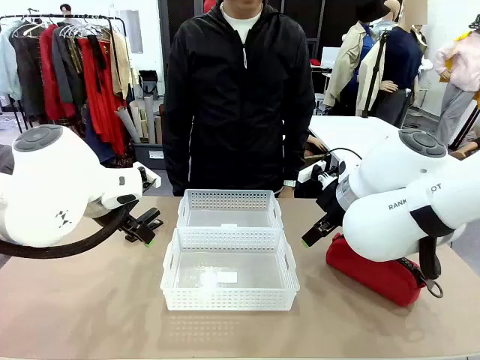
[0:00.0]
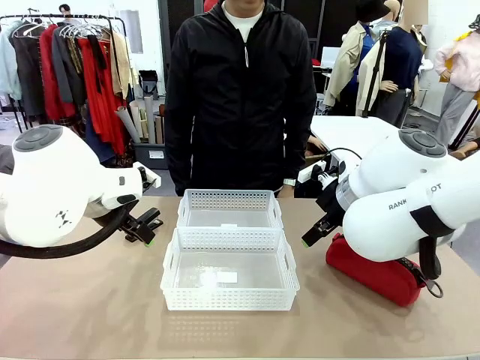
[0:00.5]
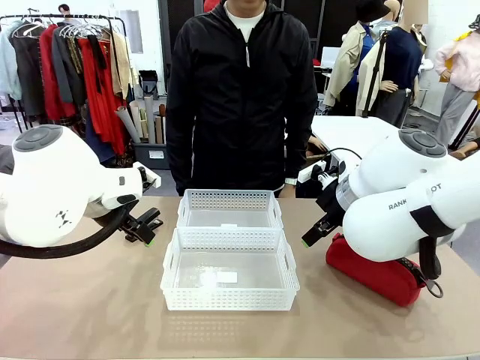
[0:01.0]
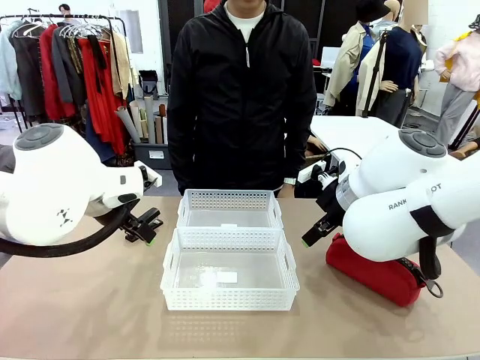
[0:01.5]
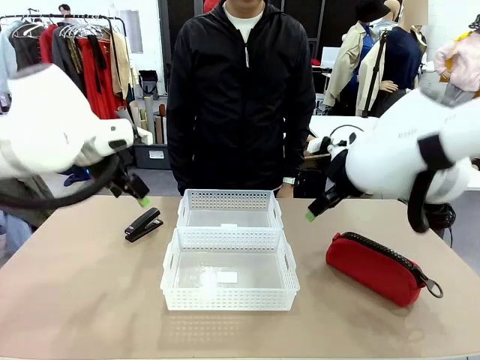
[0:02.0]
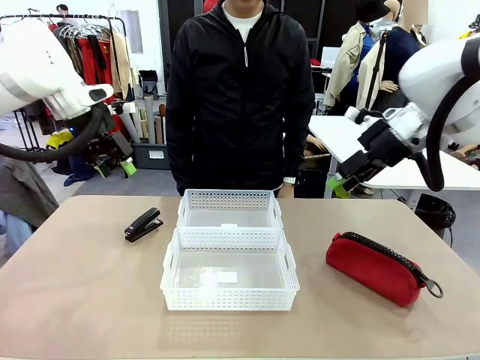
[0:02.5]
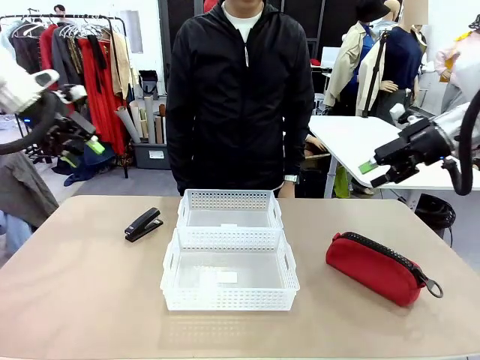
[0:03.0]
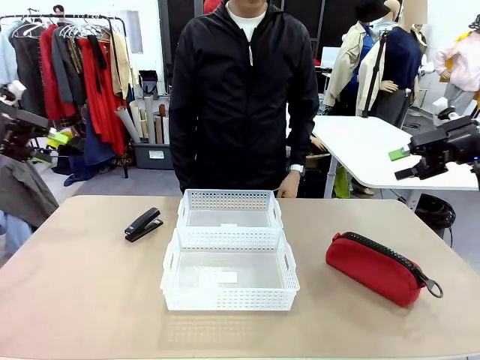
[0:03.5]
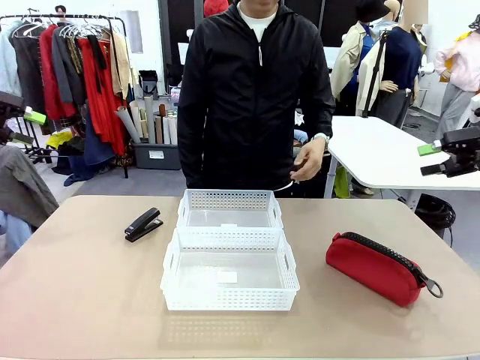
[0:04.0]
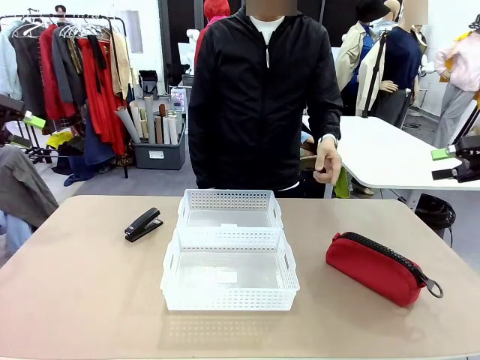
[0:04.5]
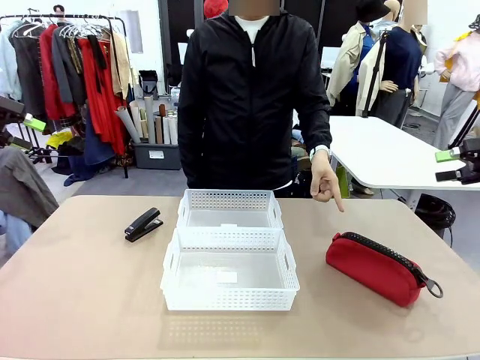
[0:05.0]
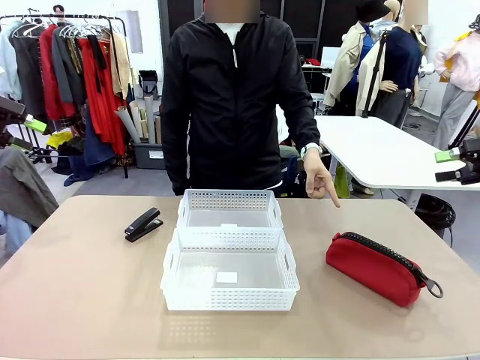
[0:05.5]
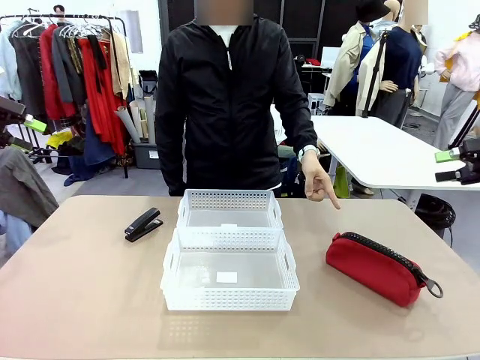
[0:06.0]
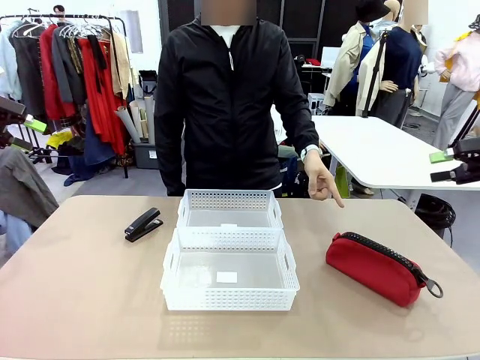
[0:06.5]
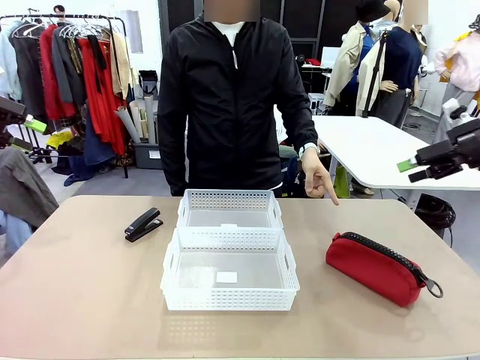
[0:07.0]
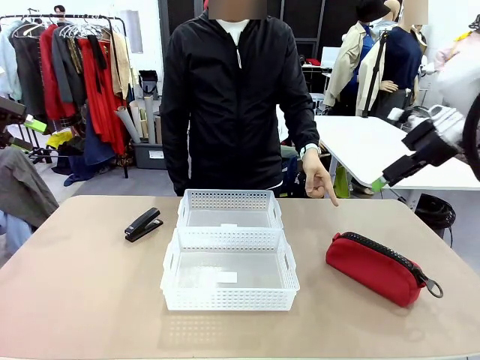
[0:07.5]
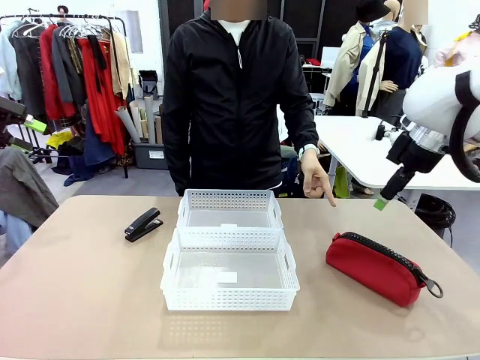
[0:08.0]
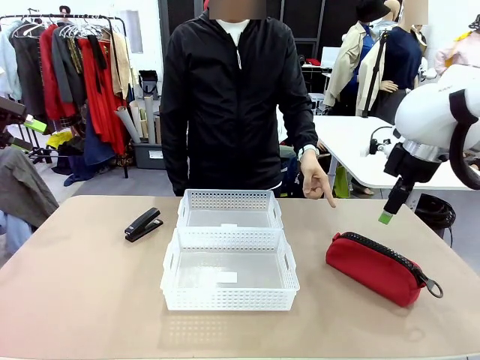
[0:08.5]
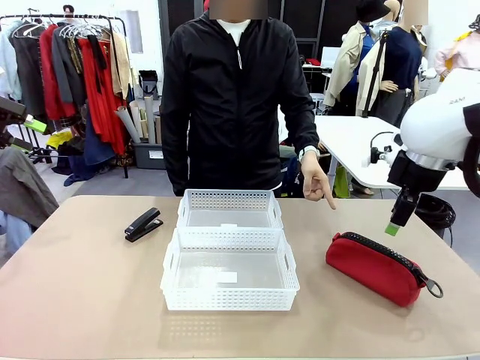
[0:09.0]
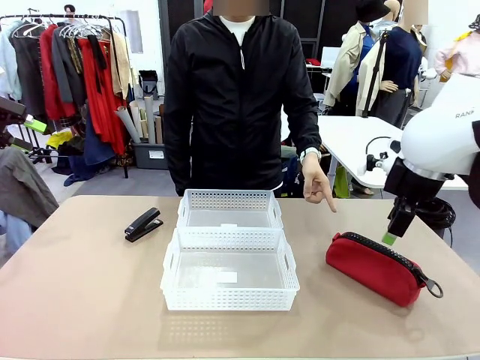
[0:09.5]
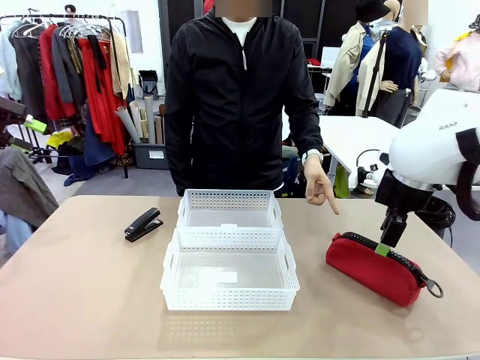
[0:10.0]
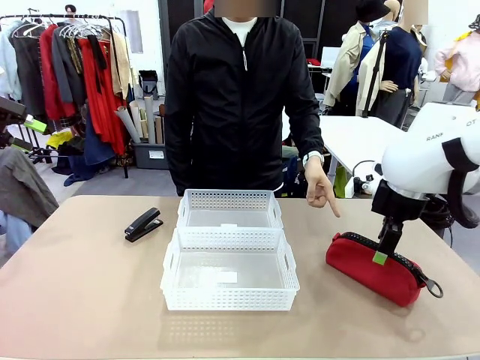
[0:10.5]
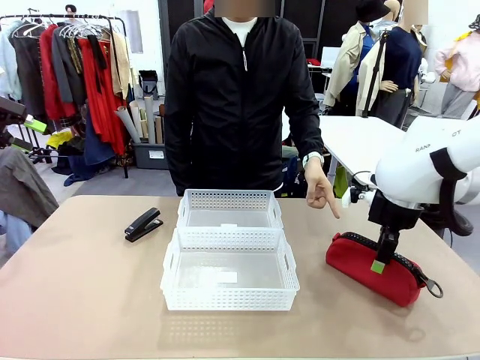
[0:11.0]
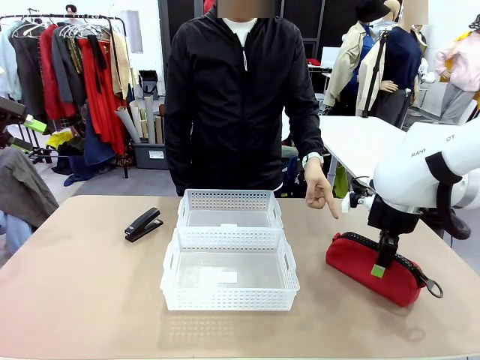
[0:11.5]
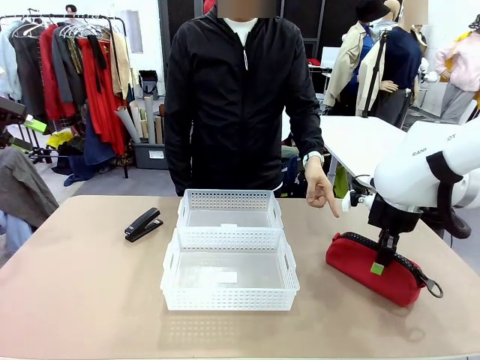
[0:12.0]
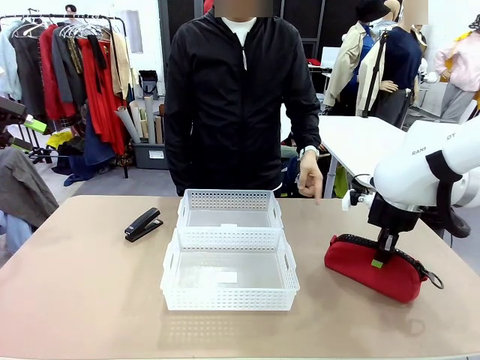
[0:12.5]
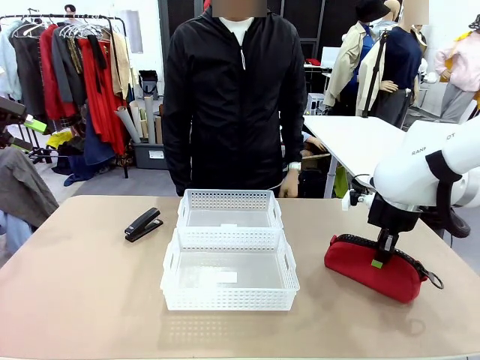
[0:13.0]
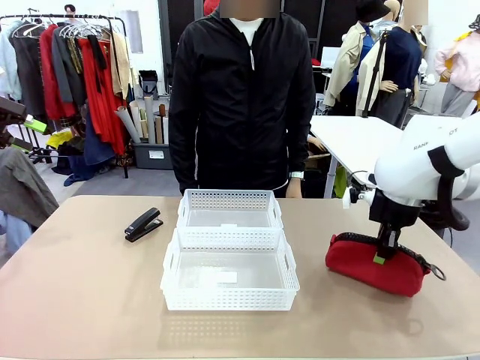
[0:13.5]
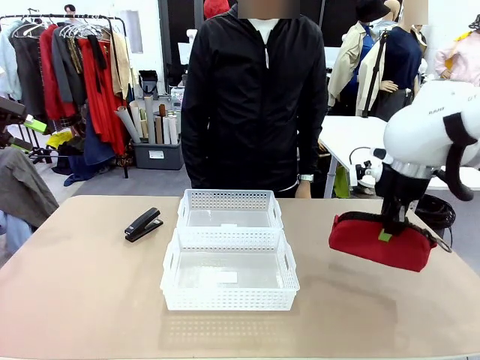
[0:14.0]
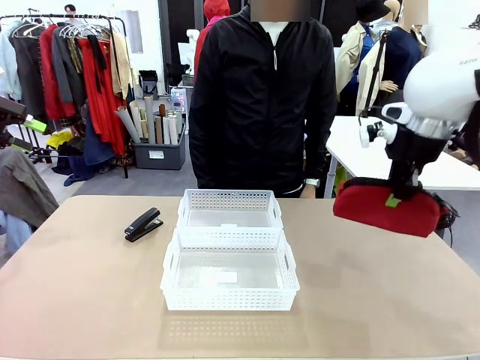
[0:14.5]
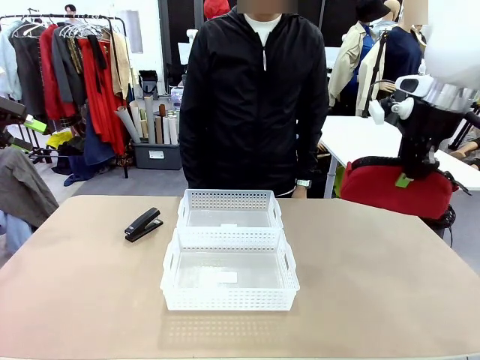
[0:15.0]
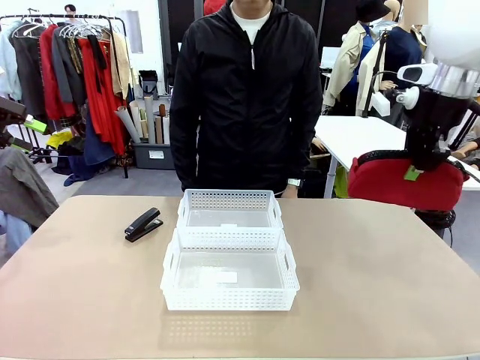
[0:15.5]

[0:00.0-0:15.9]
Task: Distribute items into two baskets.
Robot: Pick up the Pencil pouch that the person points to.
Person: Points to the pencil case. Points between the two organizing baskets and instructs the robot to move the pencil case.

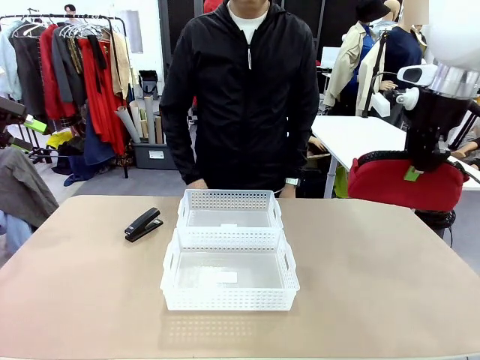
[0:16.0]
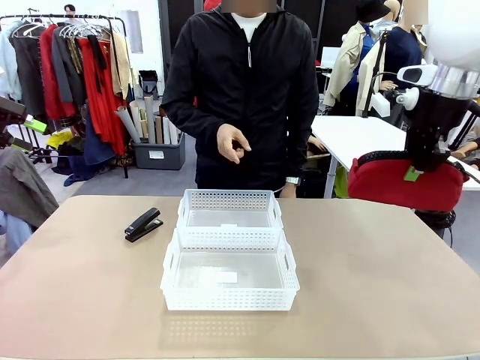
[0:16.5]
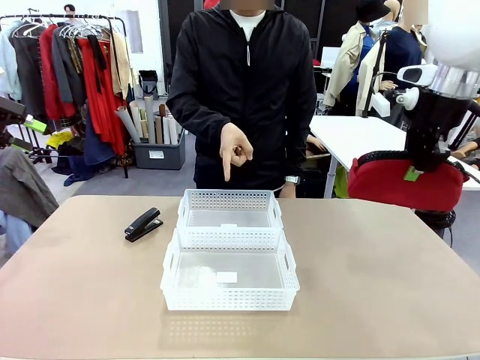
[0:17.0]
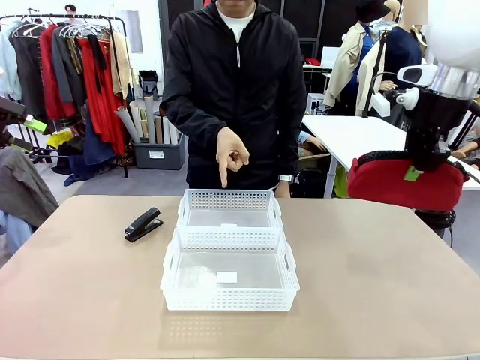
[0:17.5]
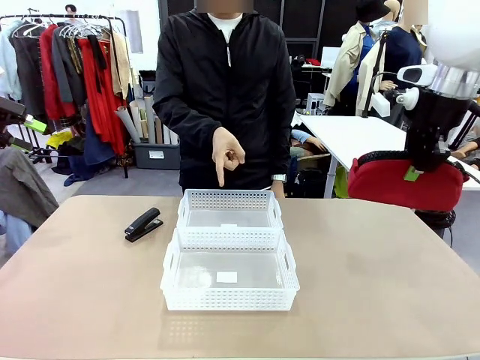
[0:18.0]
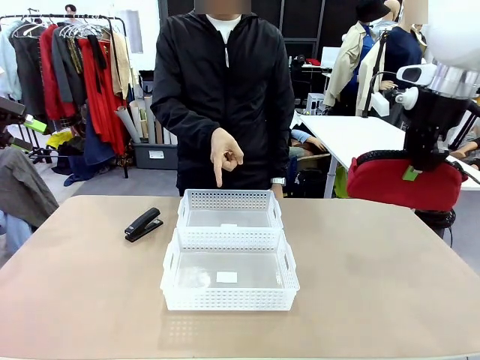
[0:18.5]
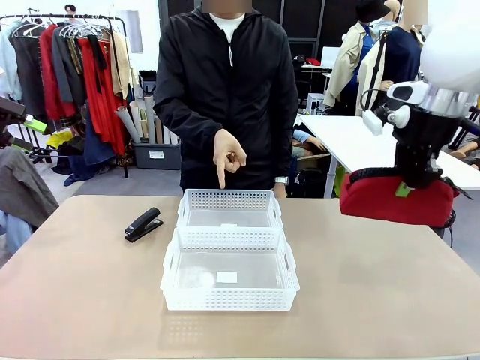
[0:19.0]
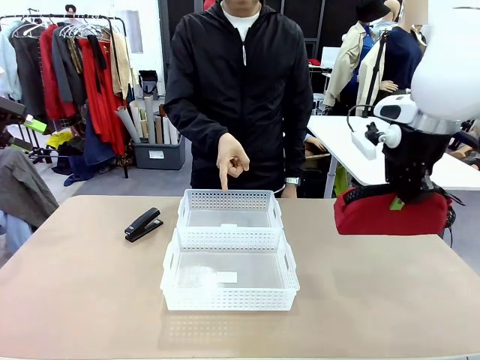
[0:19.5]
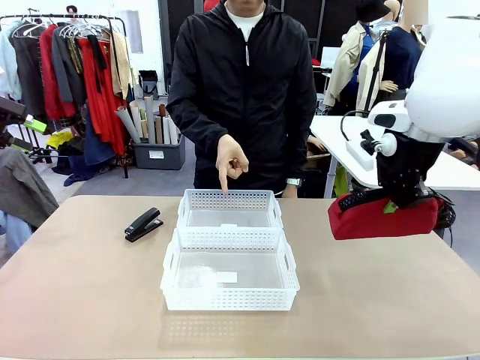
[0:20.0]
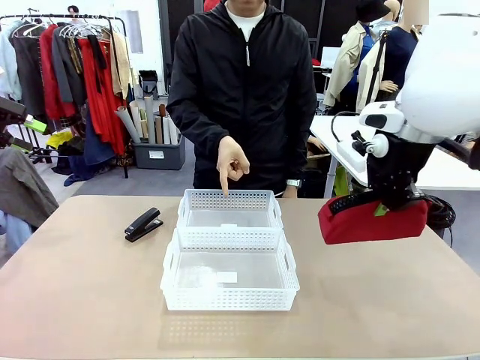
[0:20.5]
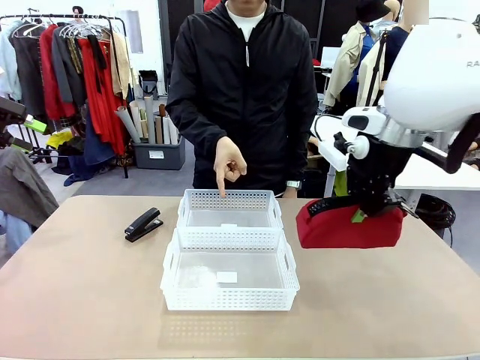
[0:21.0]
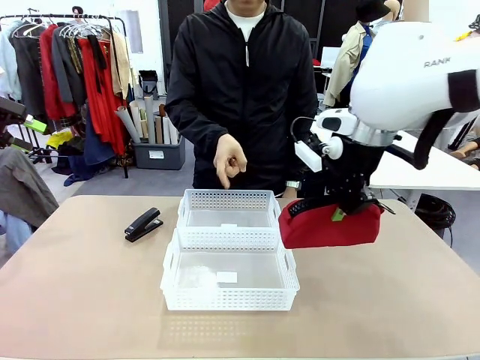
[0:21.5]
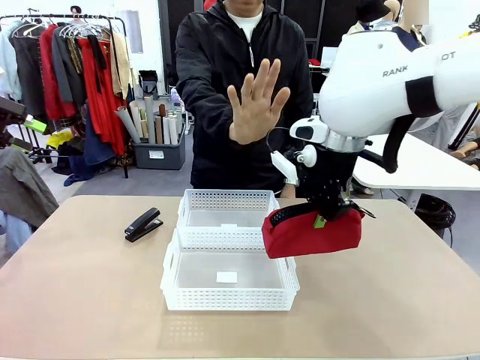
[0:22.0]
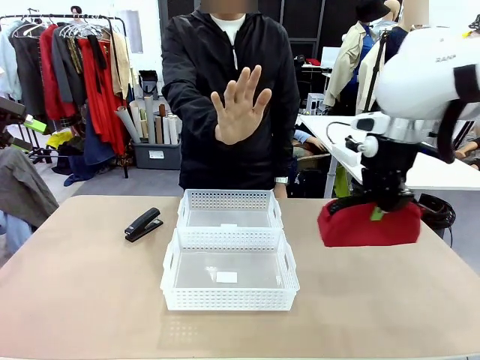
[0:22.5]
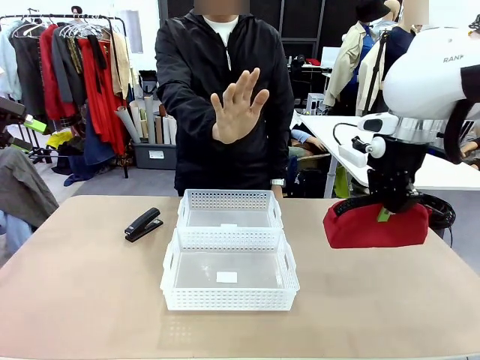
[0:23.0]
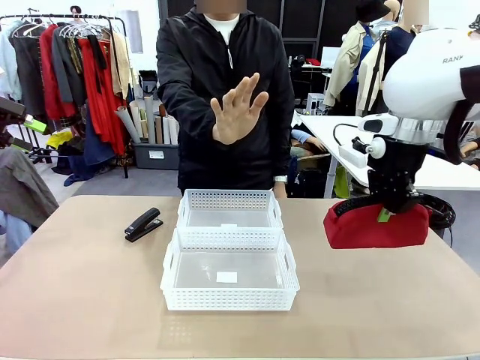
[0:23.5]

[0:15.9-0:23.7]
Robot: Move the picked Pencil pouch towards the Organizing basket indicated by the person, stopping as directed.
Person: Sends a stop gesture before the robot places the pencil case into the basket.
